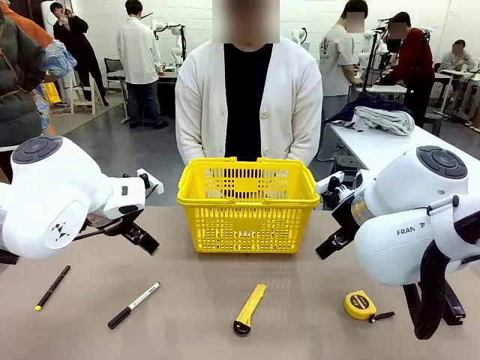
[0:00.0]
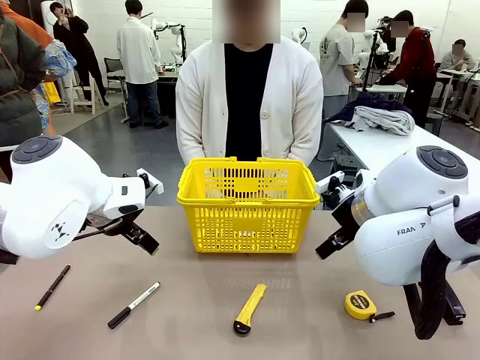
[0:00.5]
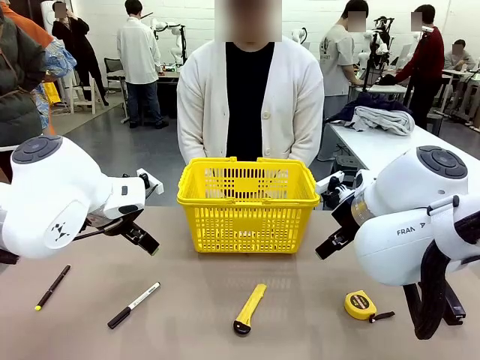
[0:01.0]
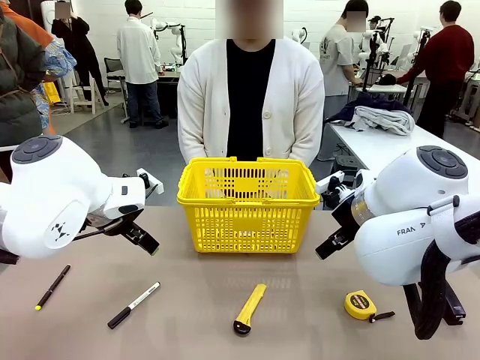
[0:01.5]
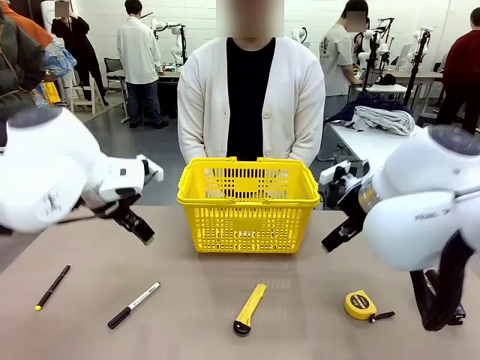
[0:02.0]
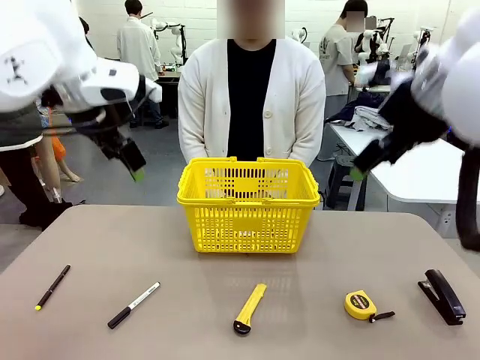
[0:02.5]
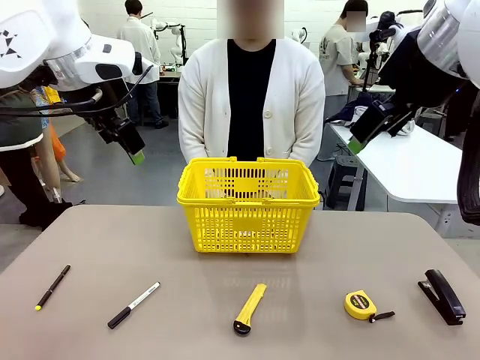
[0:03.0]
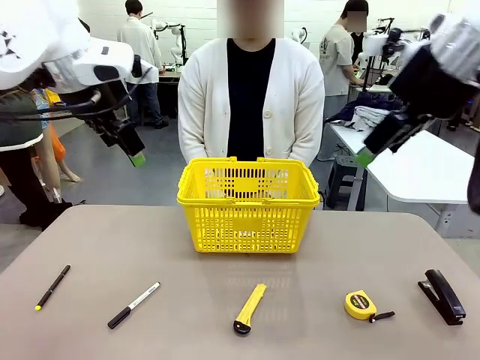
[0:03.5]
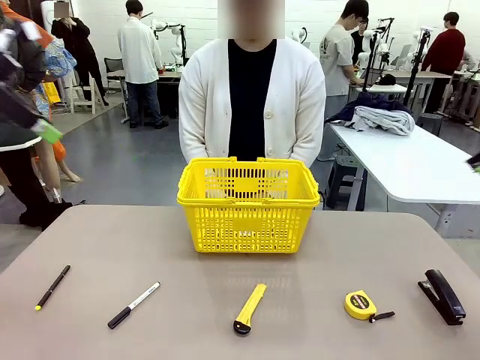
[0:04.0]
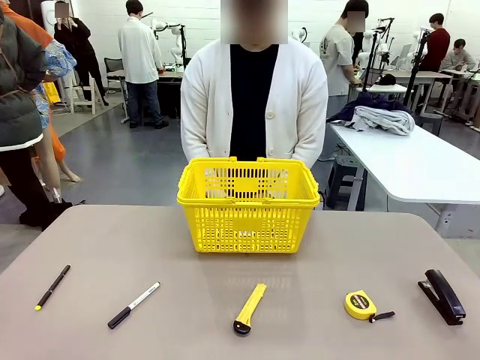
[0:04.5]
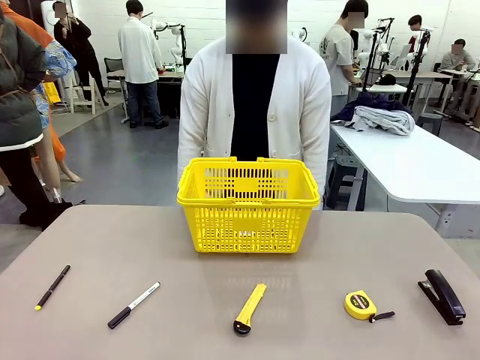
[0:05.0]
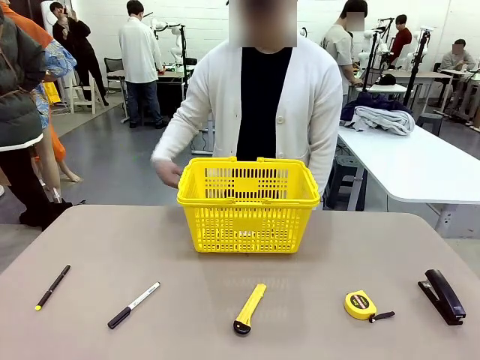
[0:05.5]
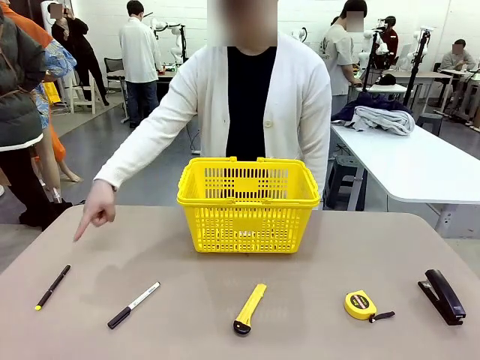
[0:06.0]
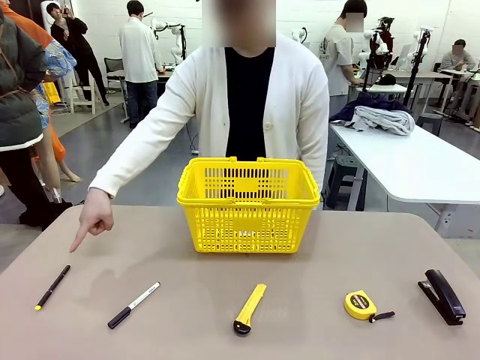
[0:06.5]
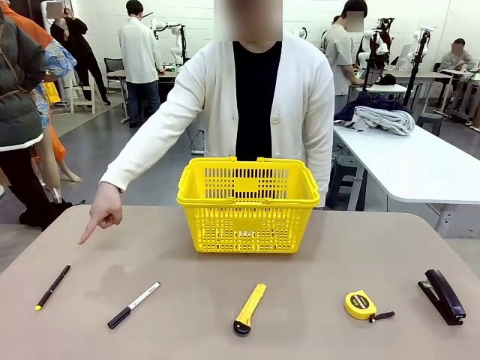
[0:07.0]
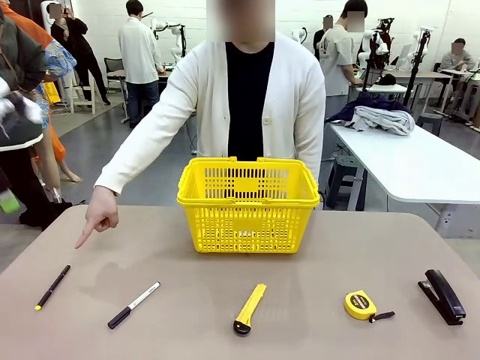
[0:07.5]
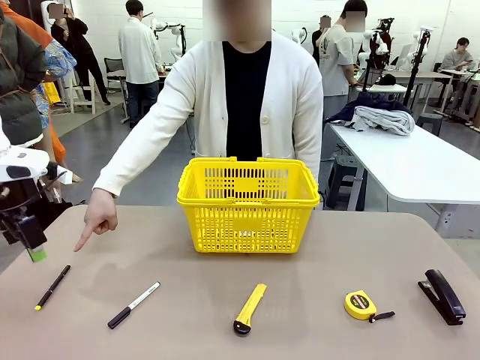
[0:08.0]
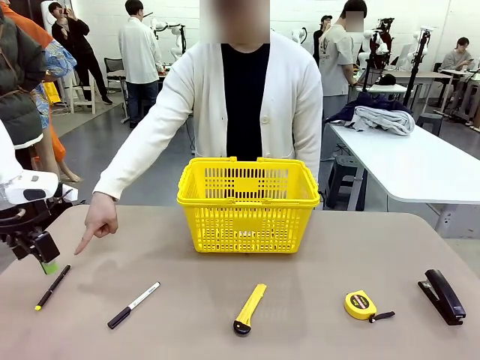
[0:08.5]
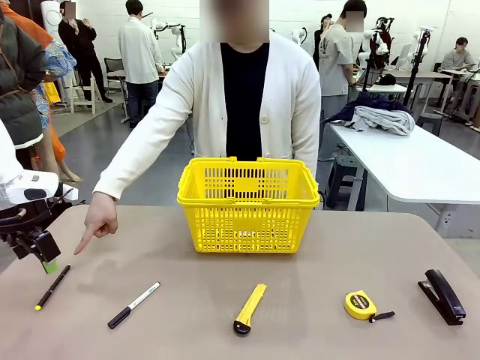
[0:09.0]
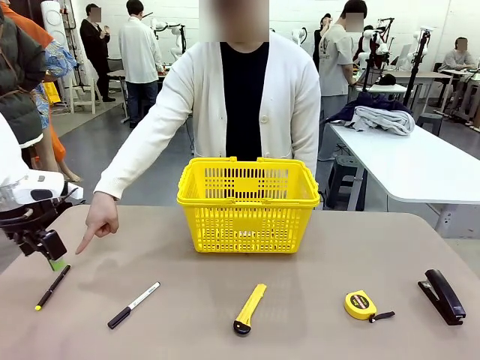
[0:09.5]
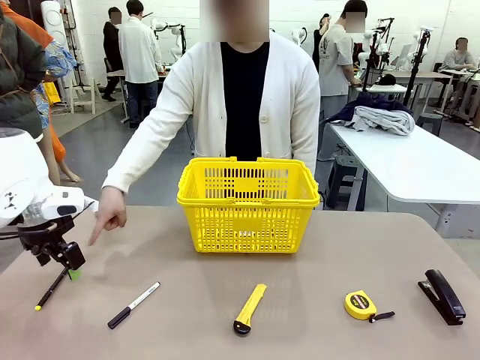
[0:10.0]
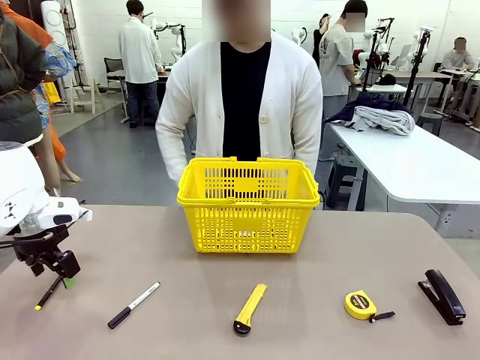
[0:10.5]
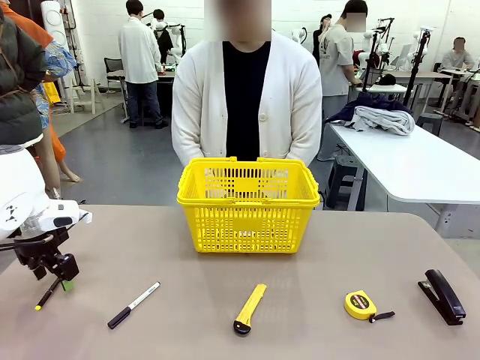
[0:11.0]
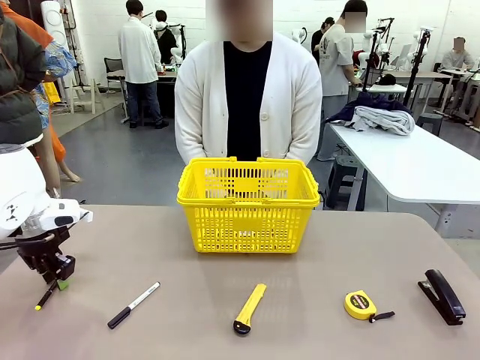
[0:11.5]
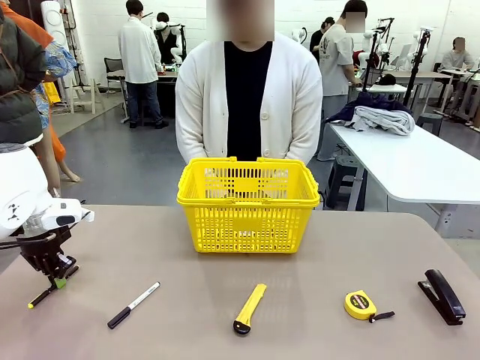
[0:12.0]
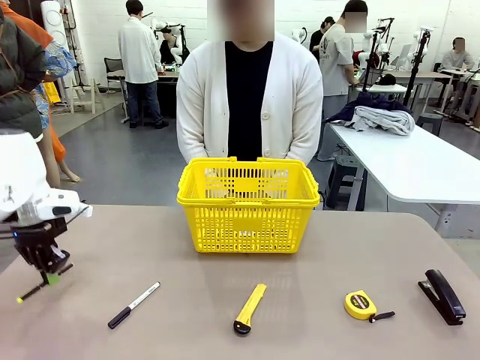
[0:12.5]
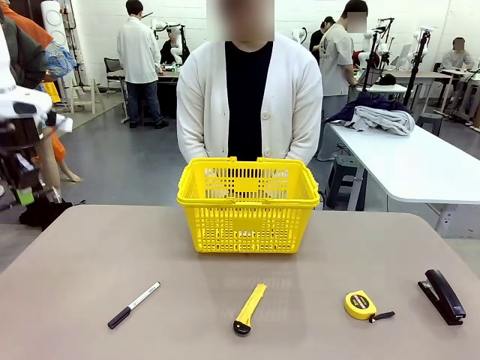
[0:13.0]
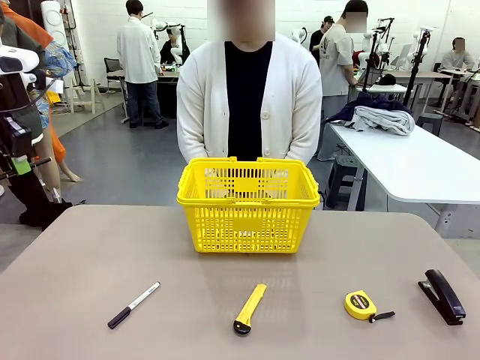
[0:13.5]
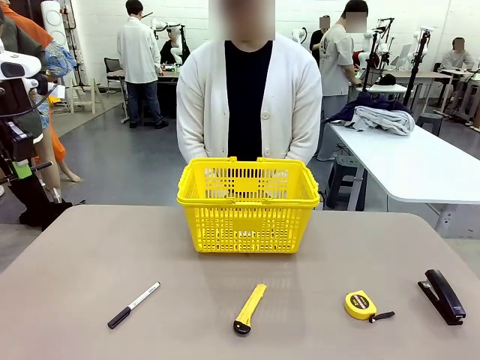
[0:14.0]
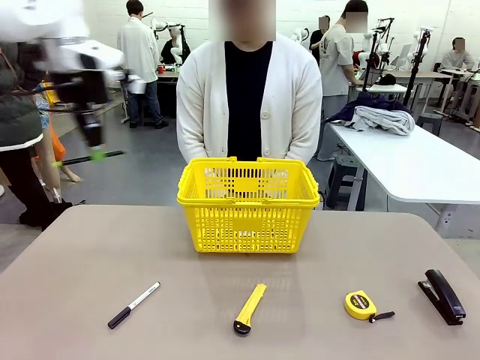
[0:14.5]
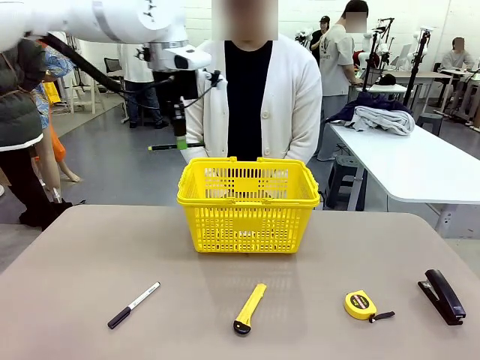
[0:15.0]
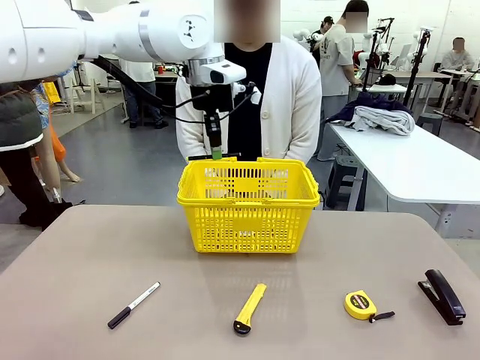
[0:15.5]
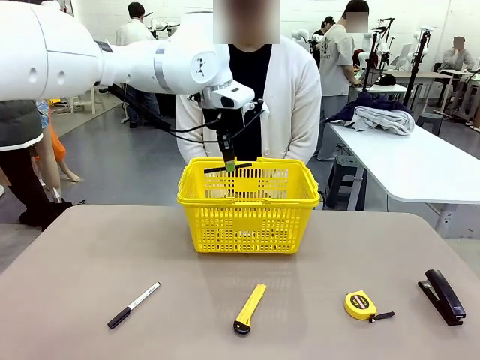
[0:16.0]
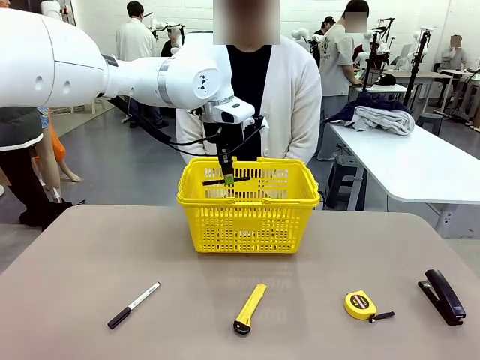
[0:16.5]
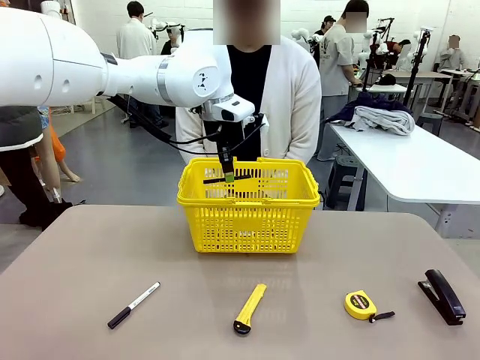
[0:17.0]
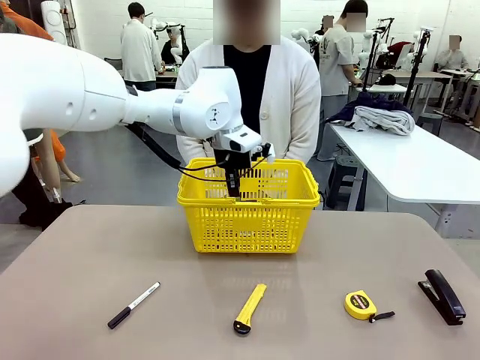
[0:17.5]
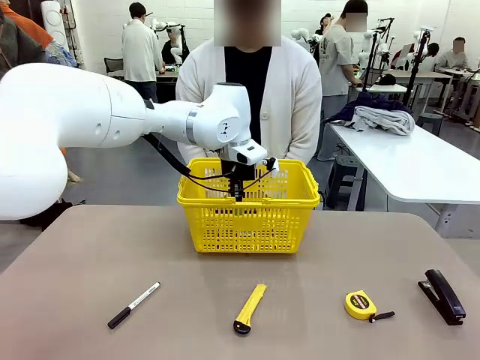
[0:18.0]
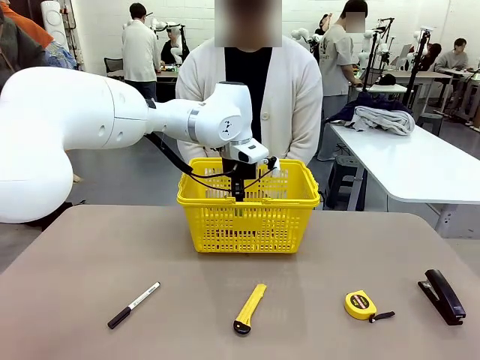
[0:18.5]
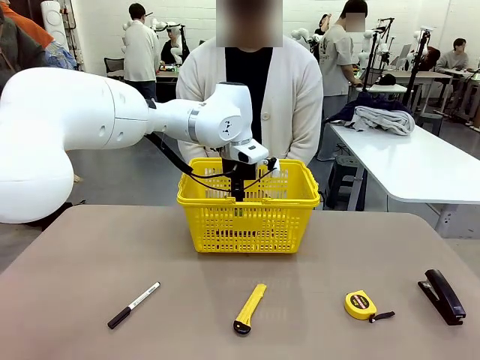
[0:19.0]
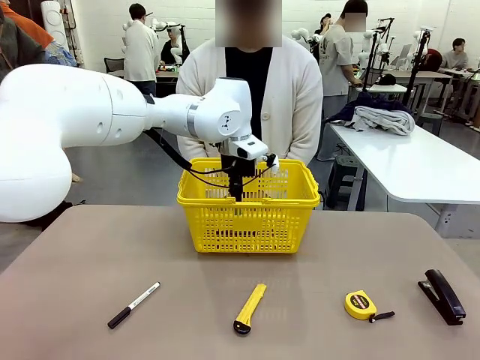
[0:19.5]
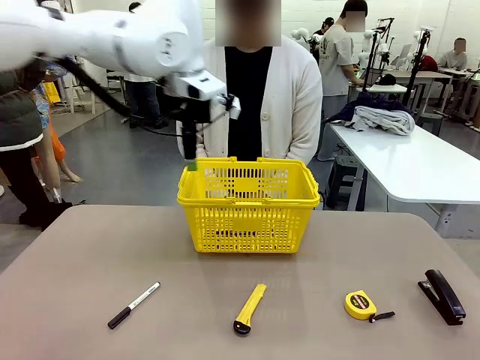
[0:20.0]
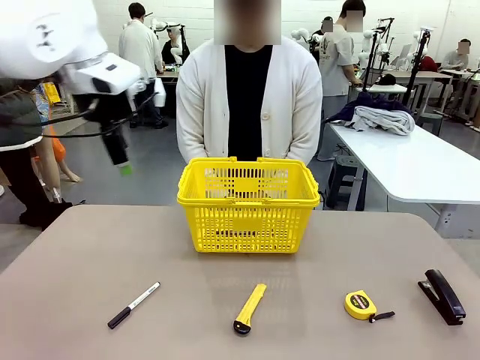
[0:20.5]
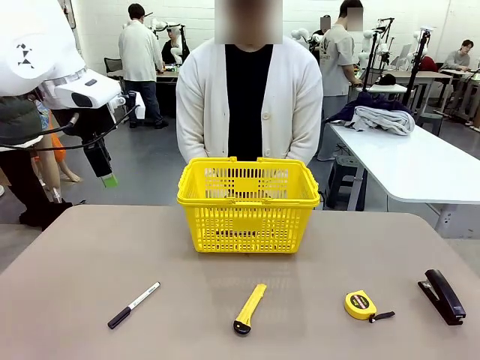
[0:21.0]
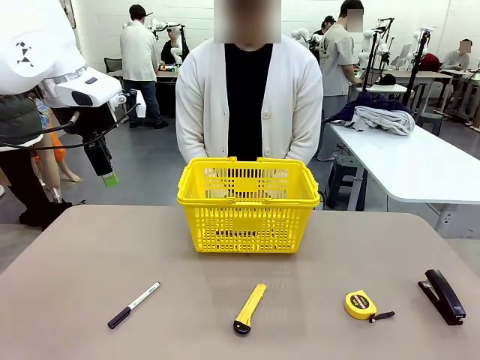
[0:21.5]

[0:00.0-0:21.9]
Task: Place the items the person wants into the basket.
Robot: Pick up the item the person points to and place it in the Market Basket.
